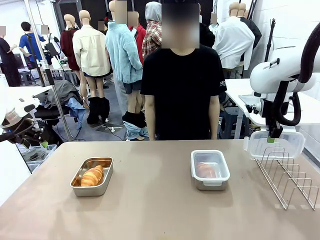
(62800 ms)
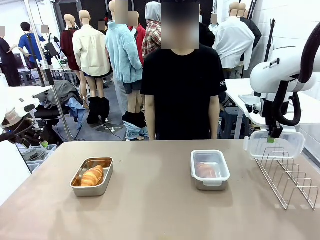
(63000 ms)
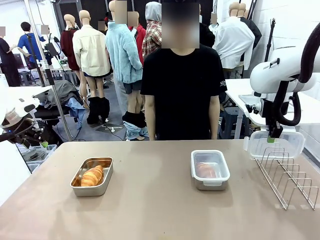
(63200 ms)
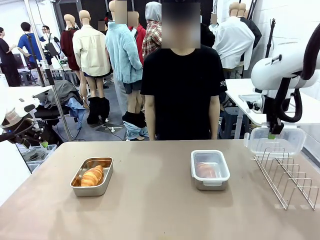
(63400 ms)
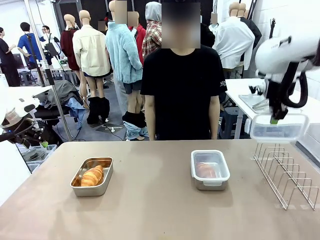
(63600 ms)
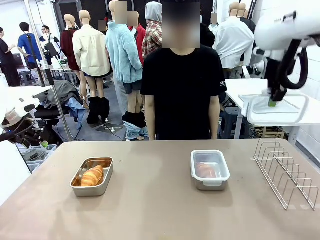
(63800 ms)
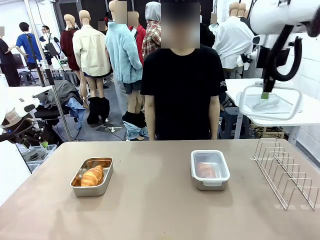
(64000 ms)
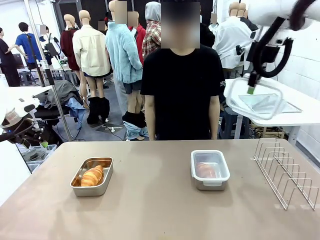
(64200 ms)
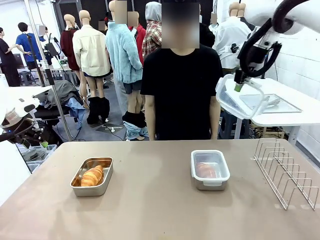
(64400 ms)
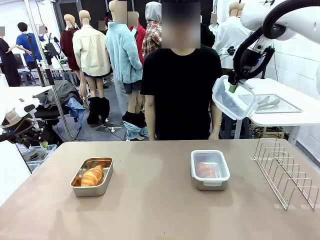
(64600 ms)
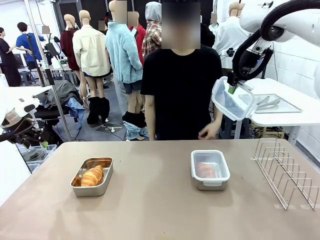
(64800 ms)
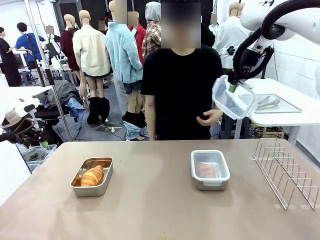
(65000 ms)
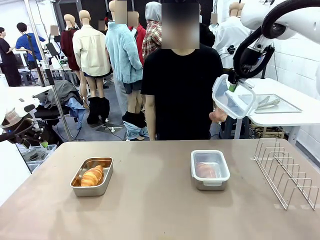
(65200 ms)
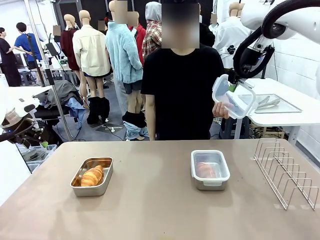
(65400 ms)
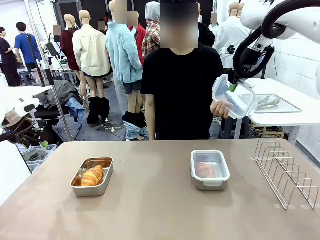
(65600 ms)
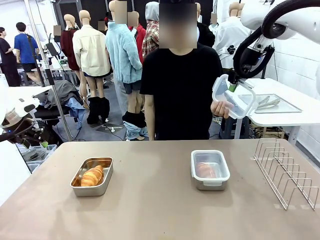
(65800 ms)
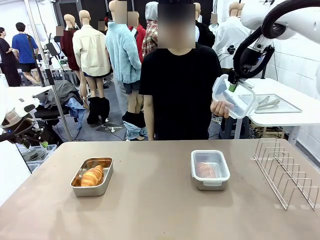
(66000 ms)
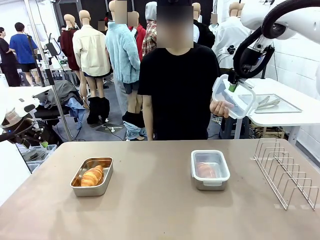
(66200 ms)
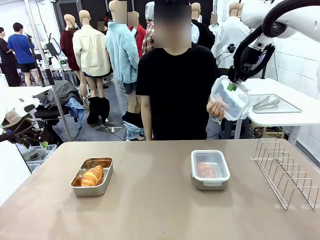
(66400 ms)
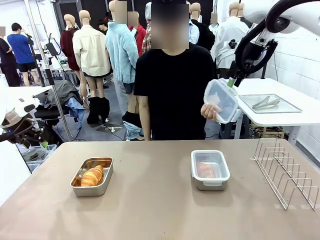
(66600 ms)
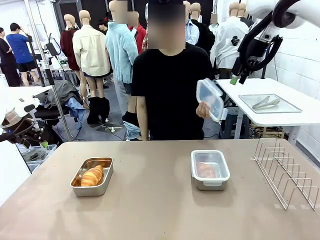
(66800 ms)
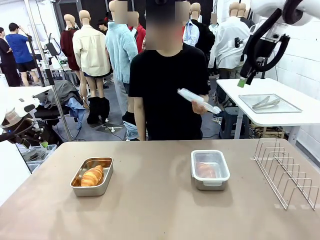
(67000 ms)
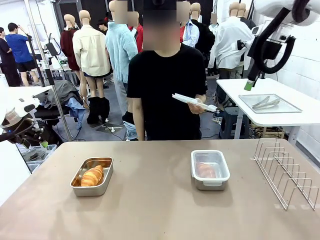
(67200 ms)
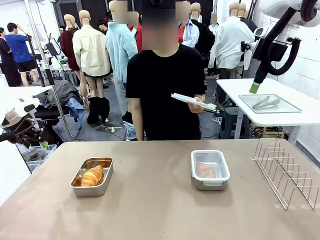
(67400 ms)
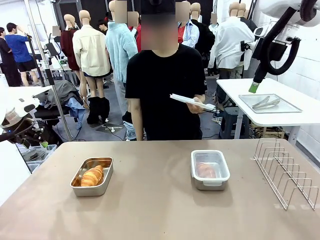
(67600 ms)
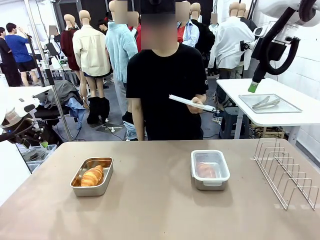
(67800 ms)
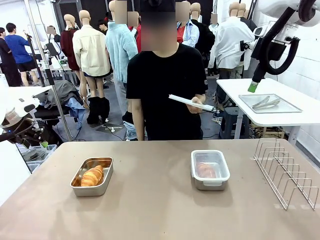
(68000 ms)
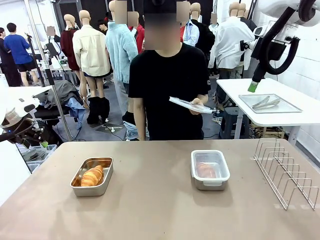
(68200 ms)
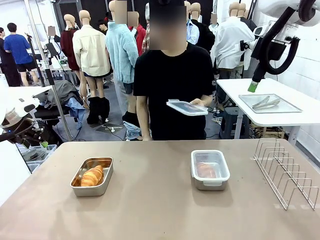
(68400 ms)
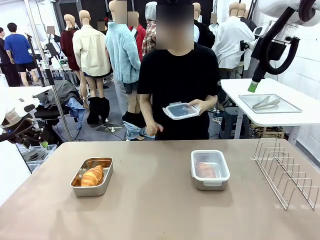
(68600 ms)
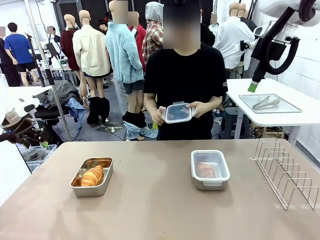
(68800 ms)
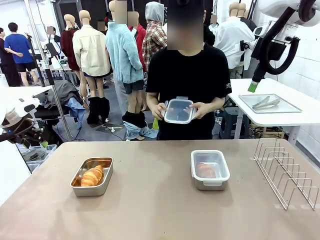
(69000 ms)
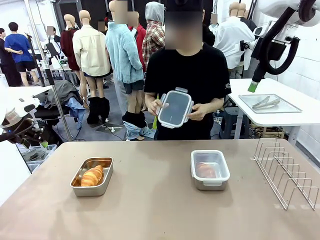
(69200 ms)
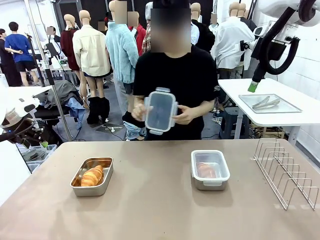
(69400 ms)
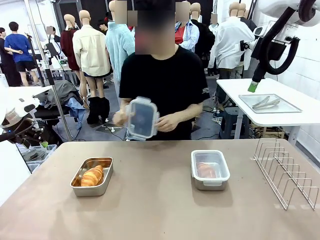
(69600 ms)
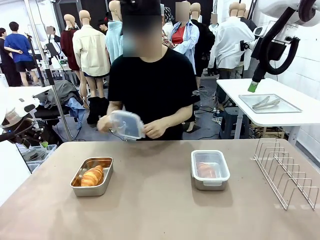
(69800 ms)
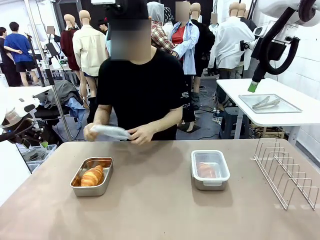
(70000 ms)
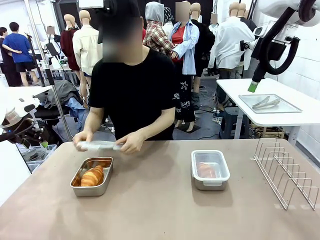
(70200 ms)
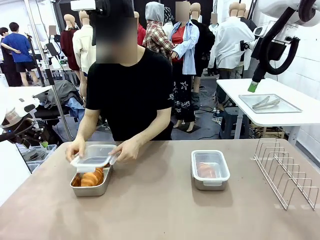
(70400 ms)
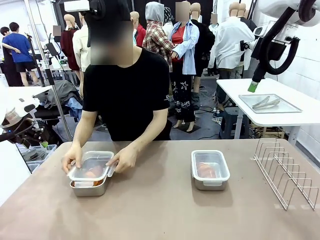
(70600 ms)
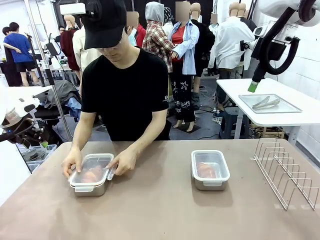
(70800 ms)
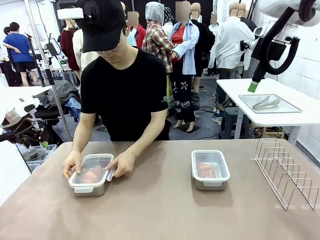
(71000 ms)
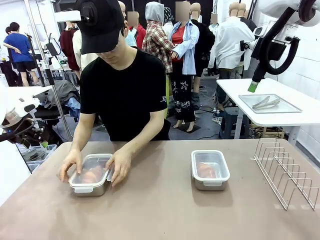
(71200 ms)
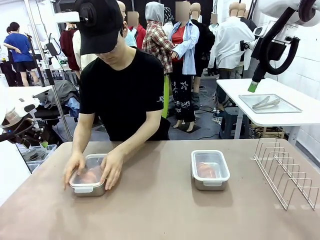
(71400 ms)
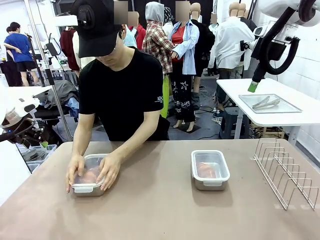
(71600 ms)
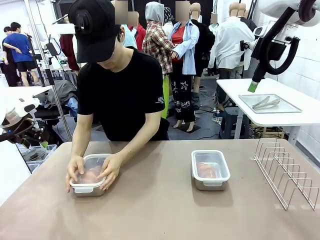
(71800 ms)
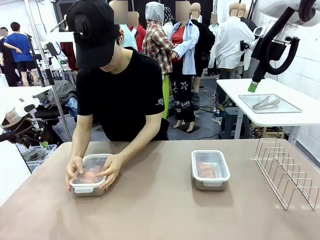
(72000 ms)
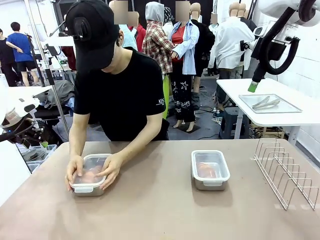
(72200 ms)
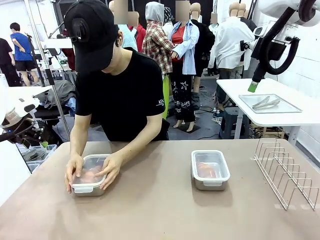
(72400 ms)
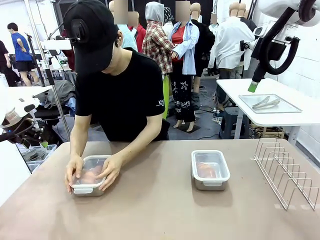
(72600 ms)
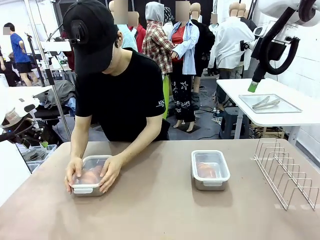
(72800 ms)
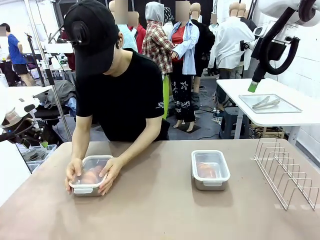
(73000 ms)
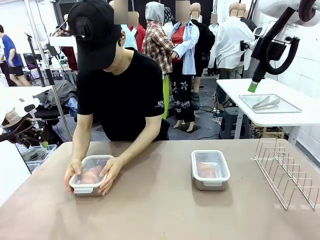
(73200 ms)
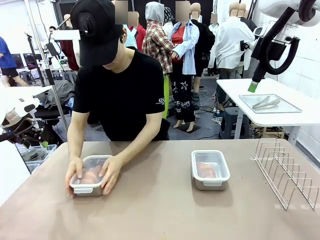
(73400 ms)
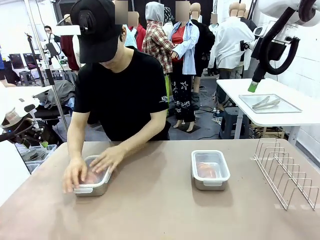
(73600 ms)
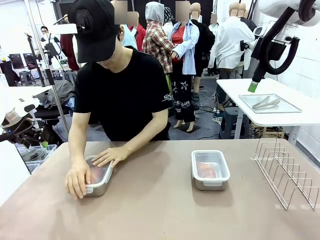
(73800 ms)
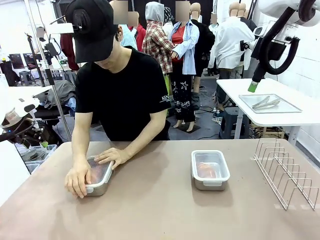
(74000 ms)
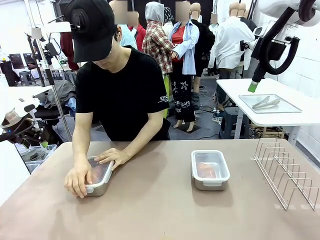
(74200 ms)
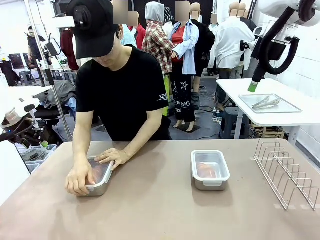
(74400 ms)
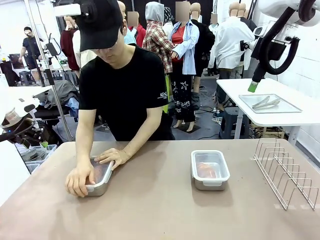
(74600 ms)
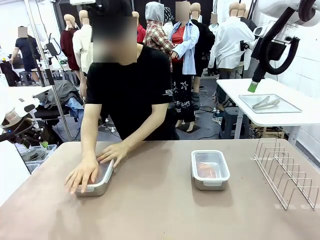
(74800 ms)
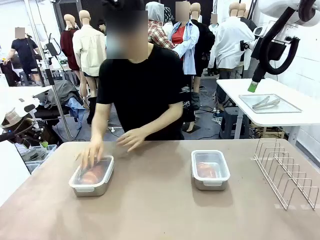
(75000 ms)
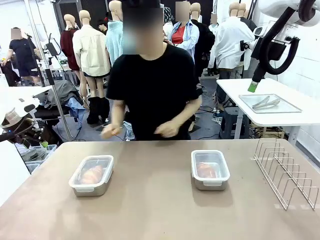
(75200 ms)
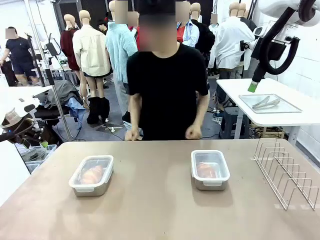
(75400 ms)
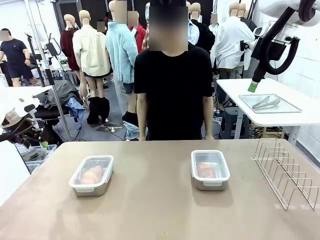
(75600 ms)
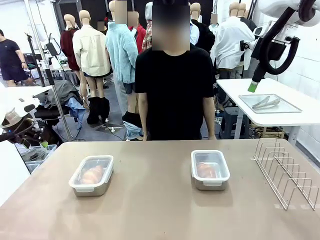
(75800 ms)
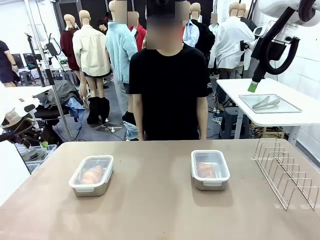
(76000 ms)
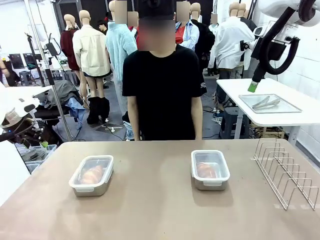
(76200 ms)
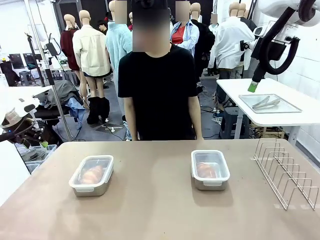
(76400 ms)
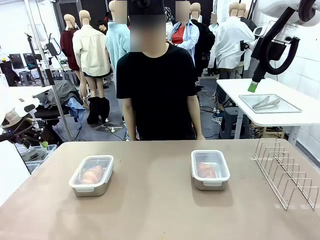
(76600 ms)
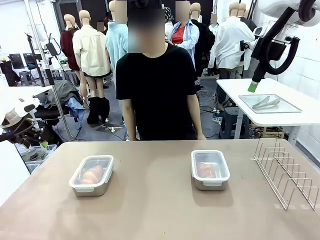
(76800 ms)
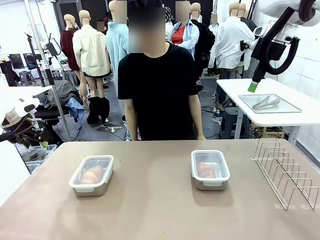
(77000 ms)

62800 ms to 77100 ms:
Task: Place the bread in airtight containers.
Robot: Release when the human grabs the Airtight Container lid.
Person: Grip Airtight Container lid that robot is handing. Close Airtight Container with a handed Airtight Container lid.
